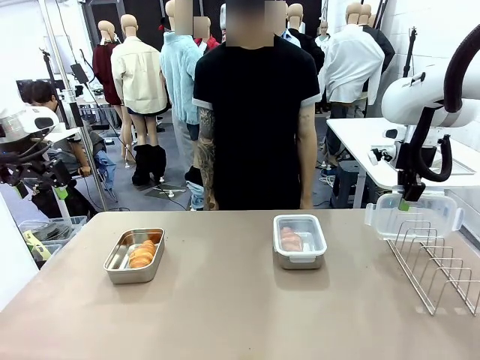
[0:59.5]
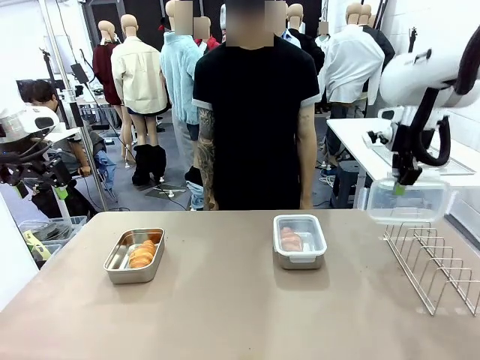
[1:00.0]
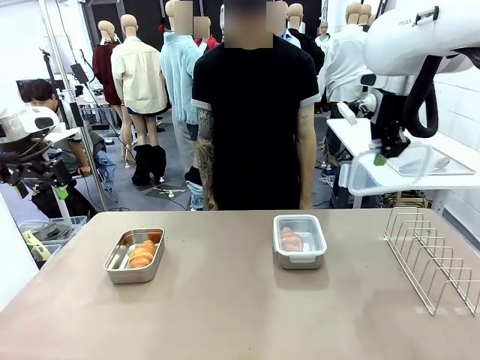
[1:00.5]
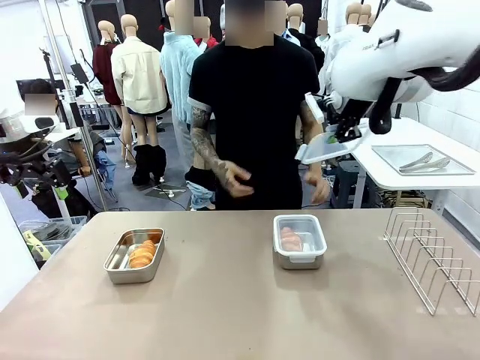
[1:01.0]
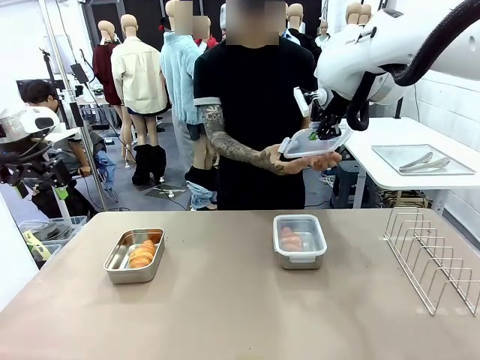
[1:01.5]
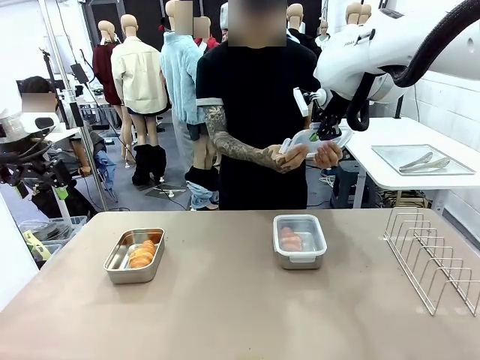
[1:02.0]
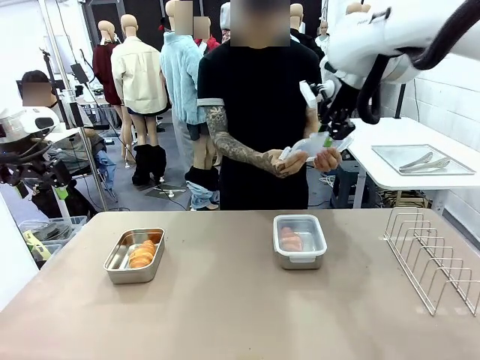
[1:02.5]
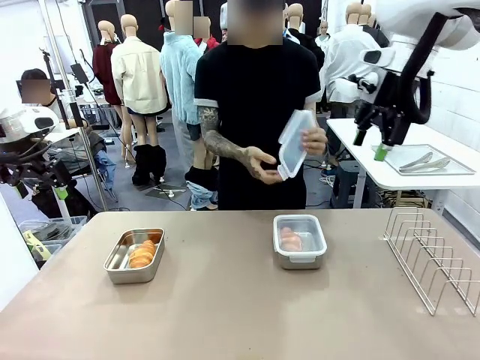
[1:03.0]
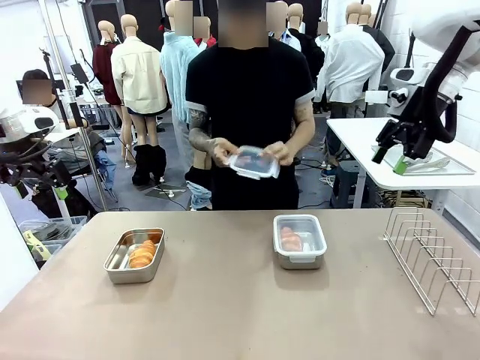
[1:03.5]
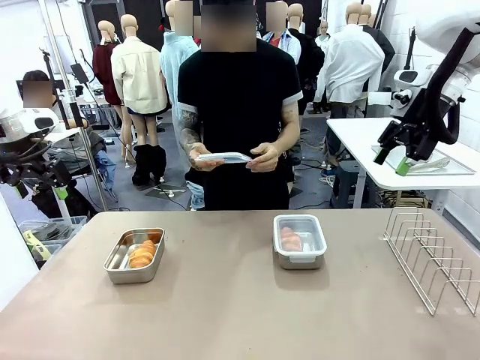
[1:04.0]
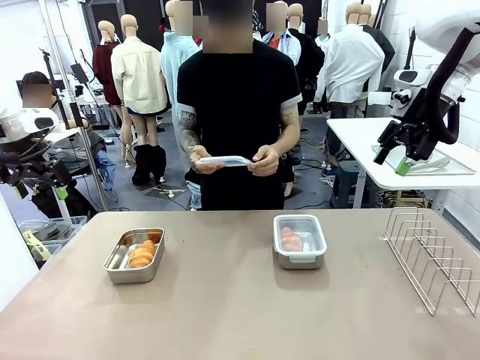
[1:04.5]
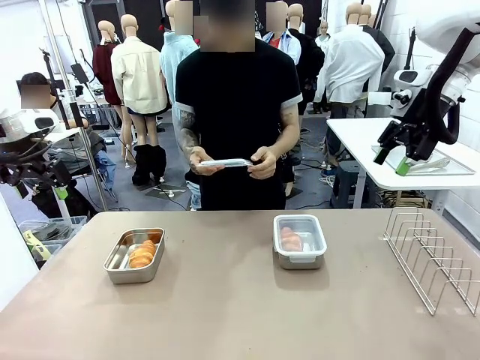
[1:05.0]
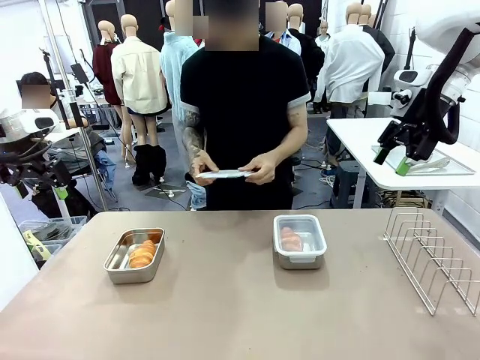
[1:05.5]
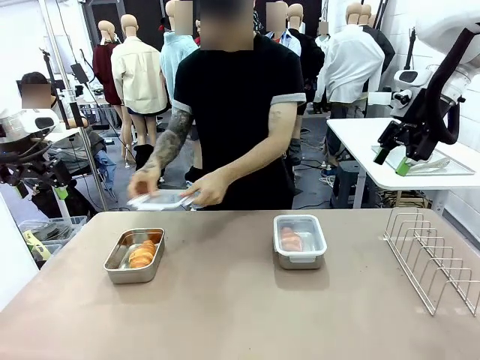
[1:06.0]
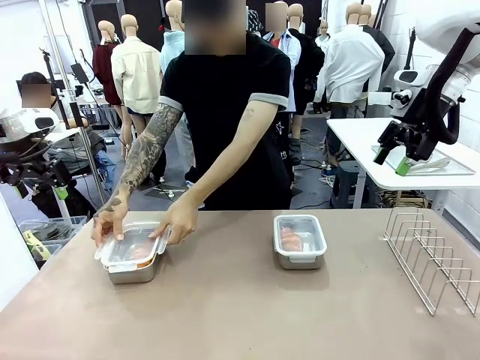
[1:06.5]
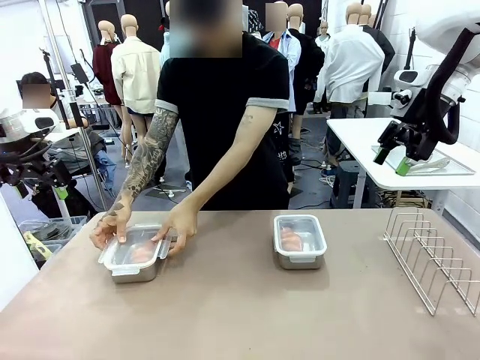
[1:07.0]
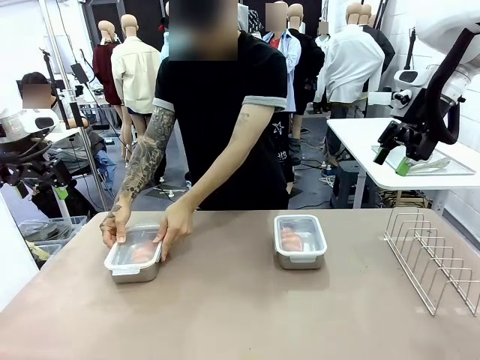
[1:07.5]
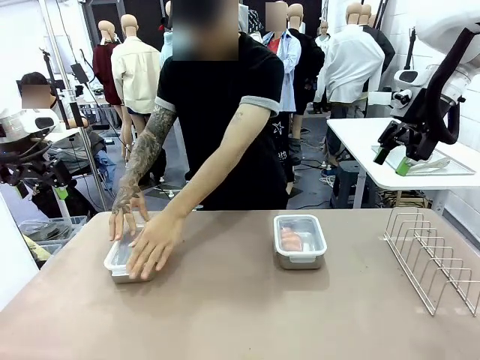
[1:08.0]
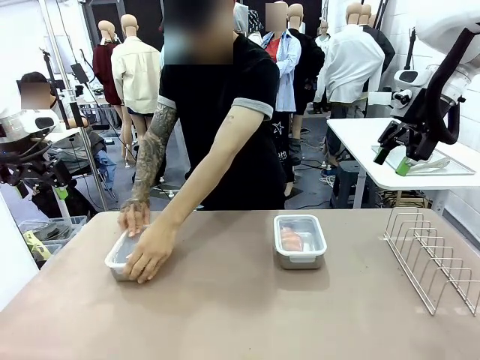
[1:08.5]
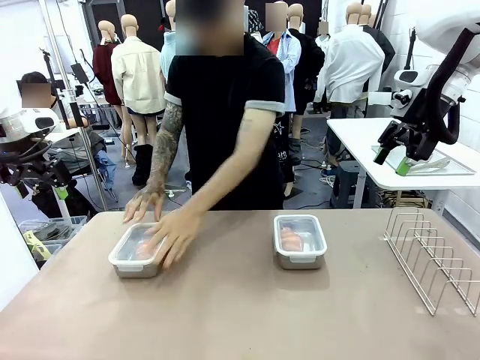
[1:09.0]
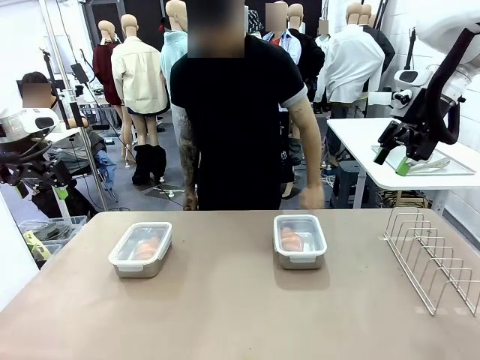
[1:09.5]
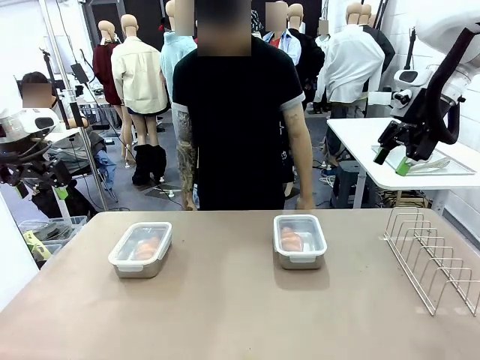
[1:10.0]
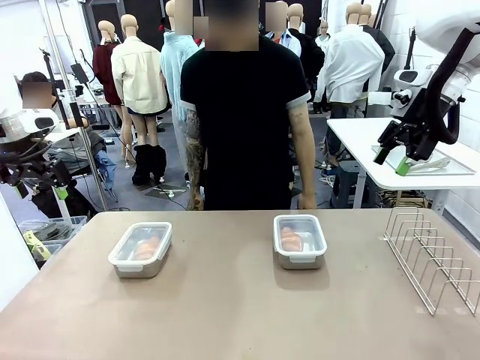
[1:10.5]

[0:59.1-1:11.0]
Task: Place the bread in airtight containers.
Robot: Release when the human grabs the Airtight Container lid.
Person: Grip Airtight Container lid that robot is handing. Close Airtight Container with a handed Airtight Container lid.

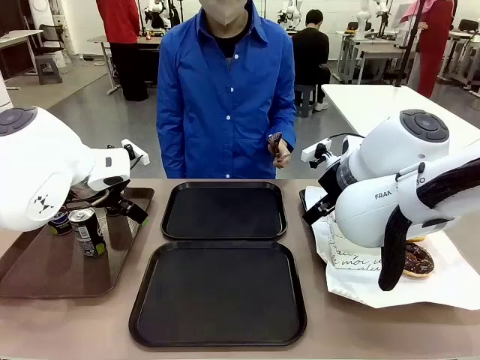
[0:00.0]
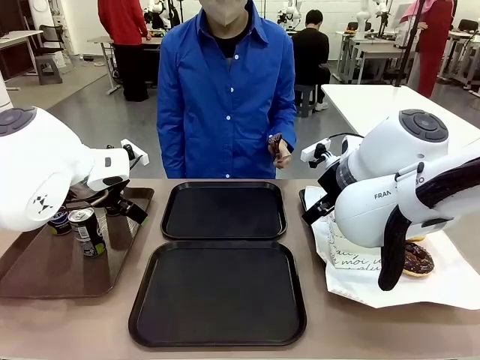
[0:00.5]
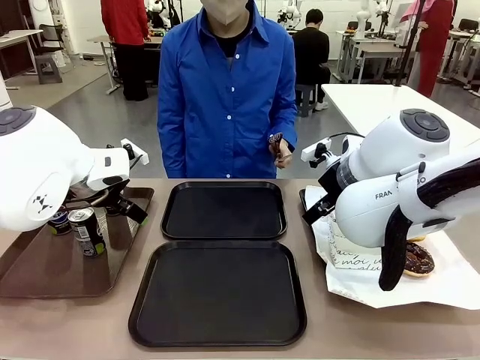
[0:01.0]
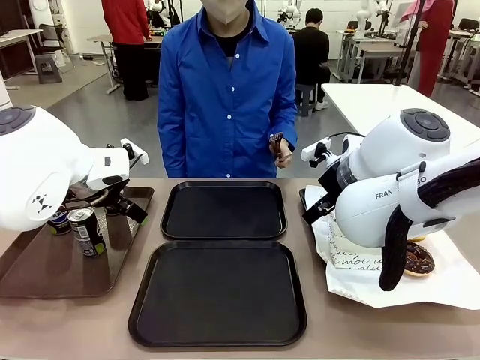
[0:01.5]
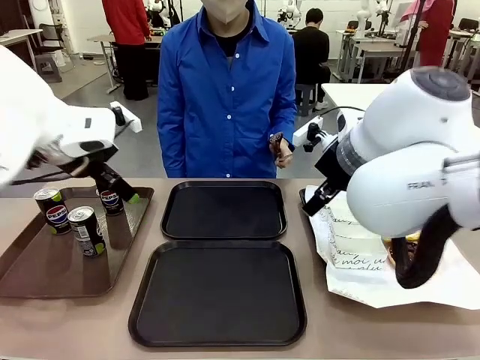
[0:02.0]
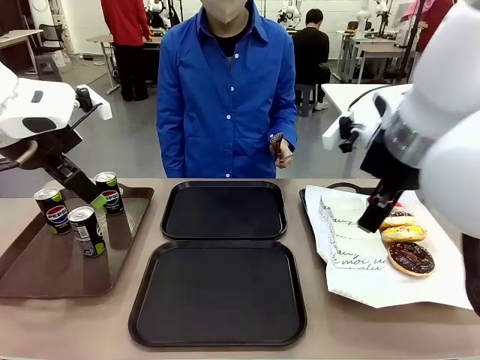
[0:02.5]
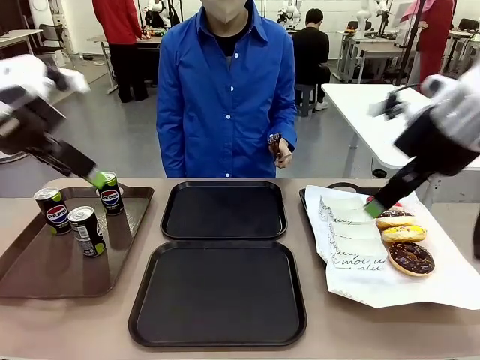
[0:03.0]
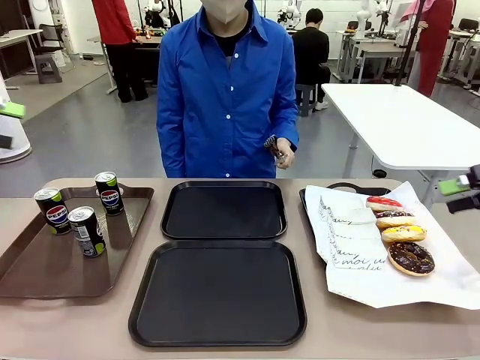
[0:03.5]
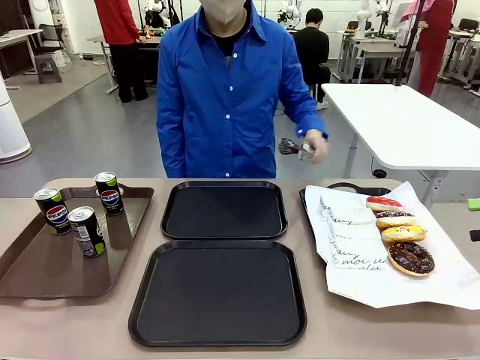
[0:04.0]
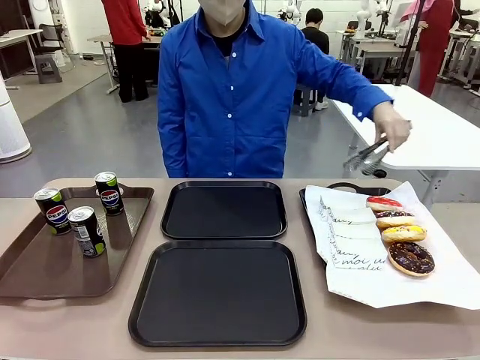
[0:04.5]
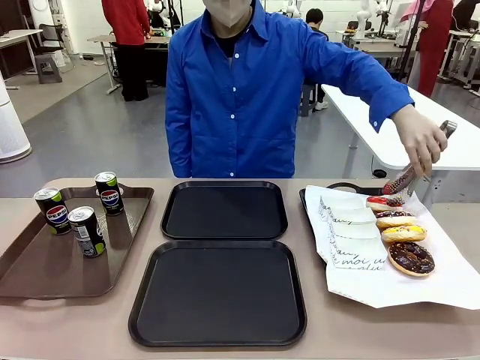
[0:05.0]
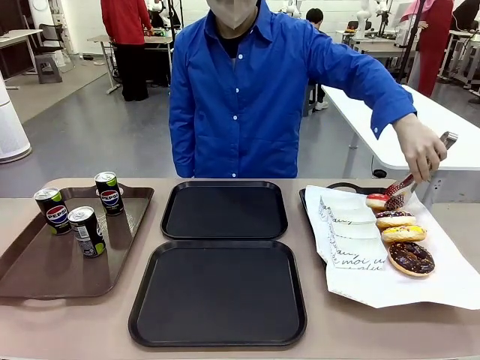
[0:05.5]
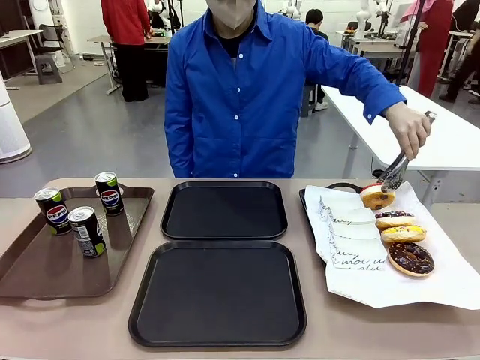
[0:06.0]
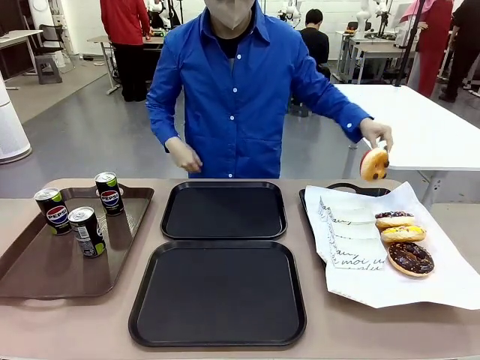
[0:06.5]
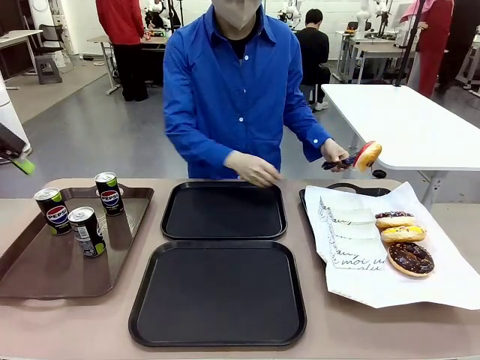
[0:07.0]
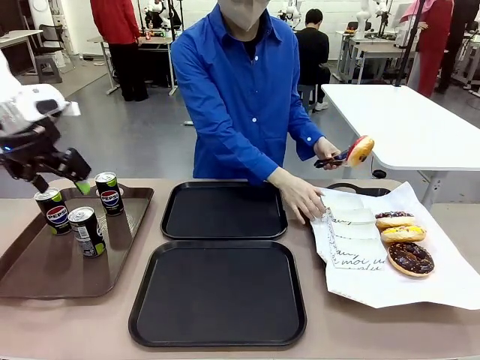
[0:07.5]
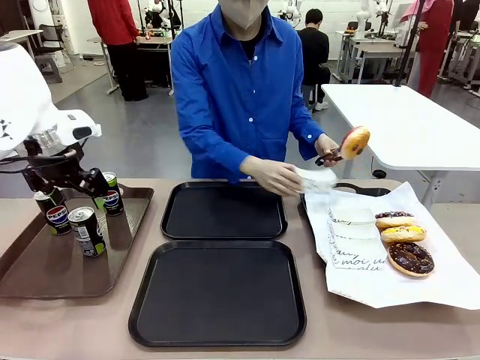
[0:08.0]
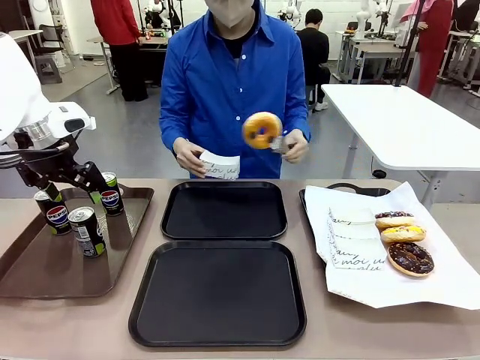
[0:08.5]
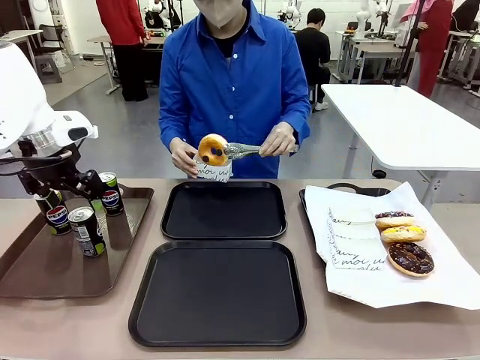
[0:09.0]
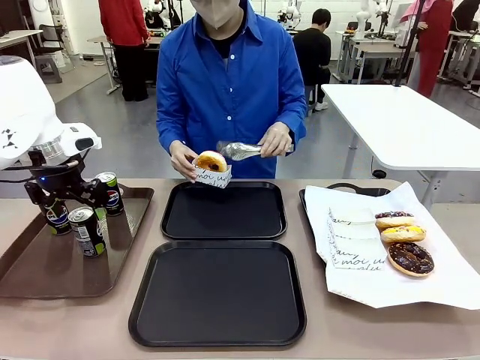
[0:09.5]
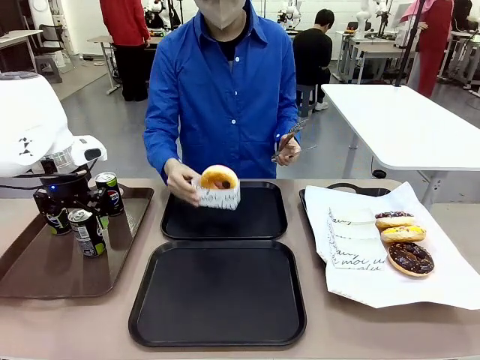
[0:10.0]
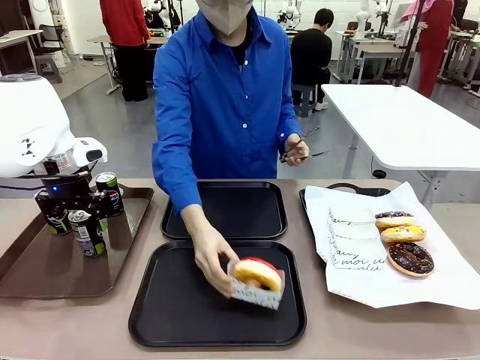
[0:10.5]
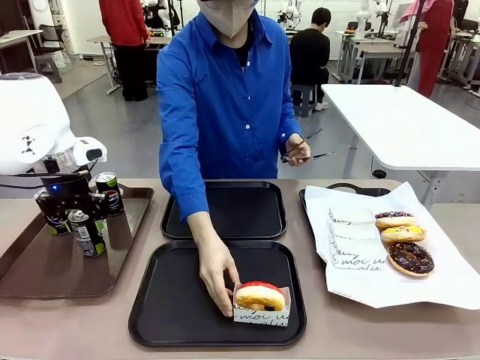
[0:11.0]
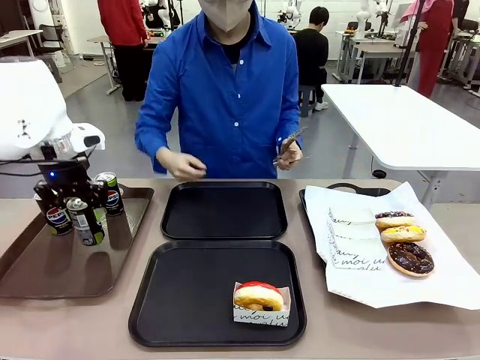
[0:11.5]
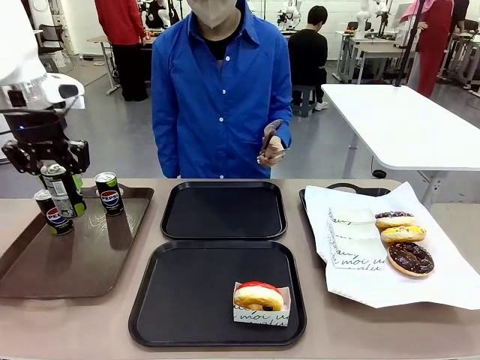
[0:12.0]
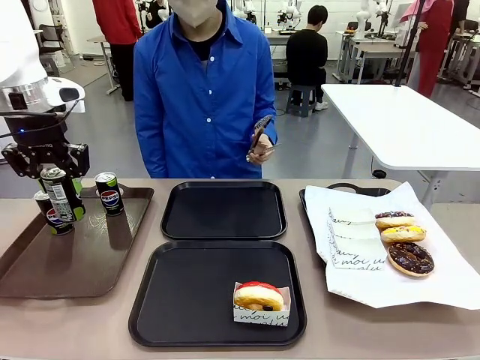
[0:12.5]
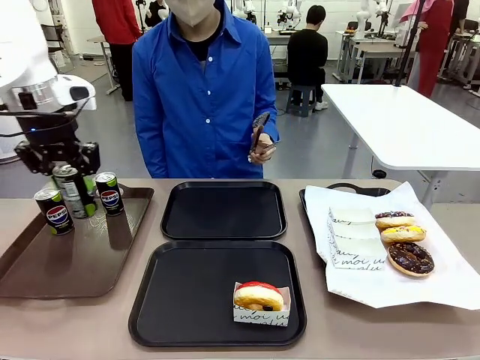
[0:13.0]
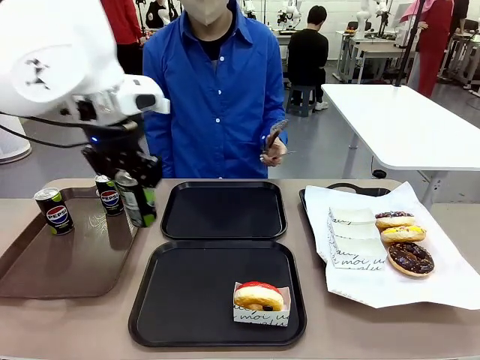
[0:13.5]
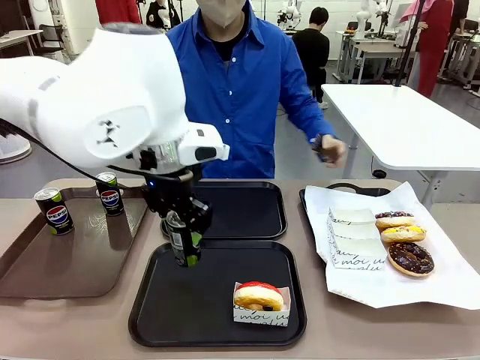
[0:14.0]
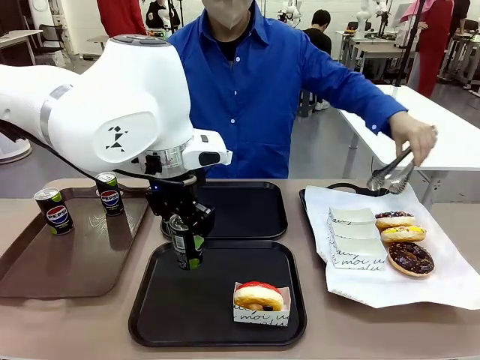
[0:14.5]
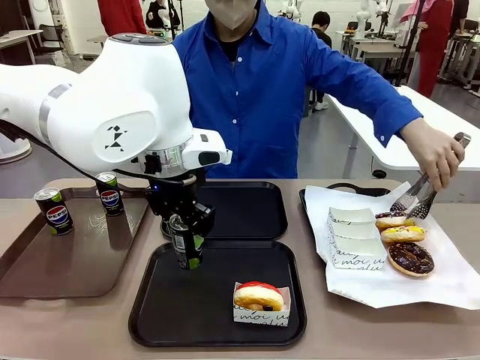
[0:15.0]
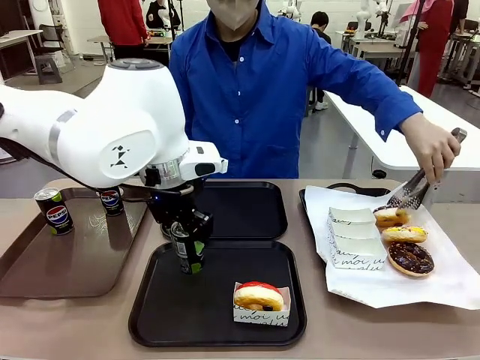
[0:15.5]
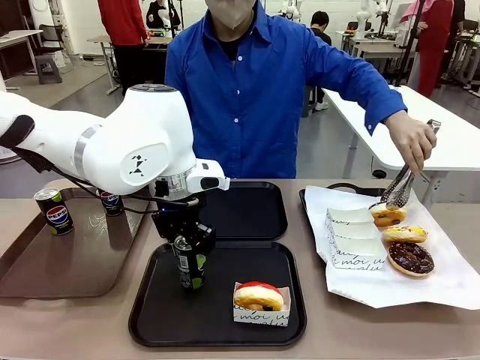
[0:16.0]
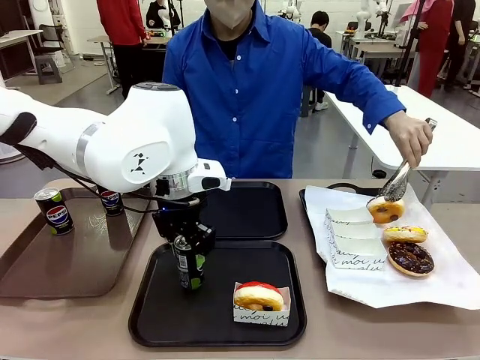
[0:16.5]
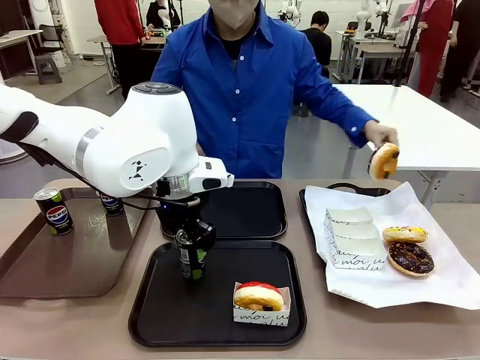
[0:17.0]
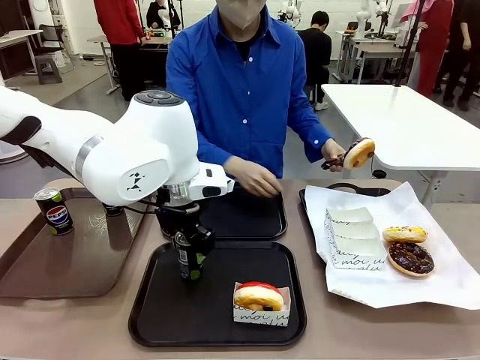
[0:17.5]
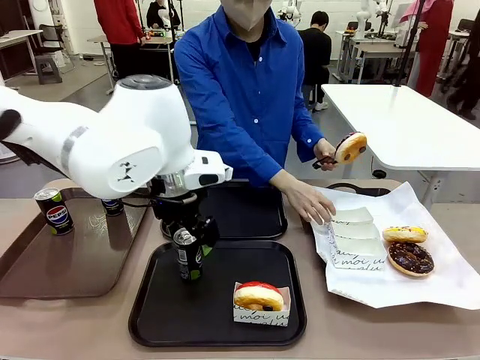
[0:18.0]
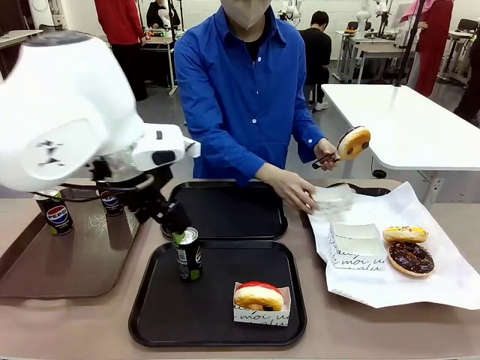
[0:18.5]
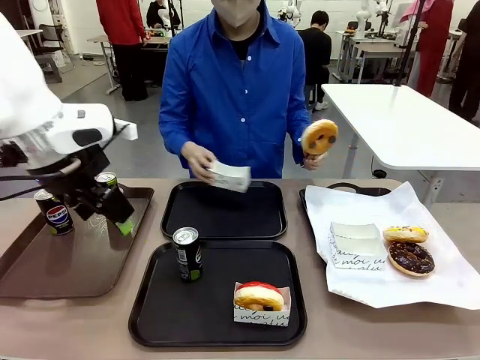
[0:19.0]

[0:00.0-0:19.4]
Task: Set up donuts and drinks on trays.
Robot: Pick up one Pepsi coke and place it on the Flat Tray.
